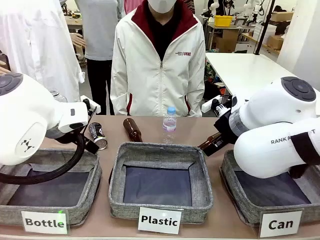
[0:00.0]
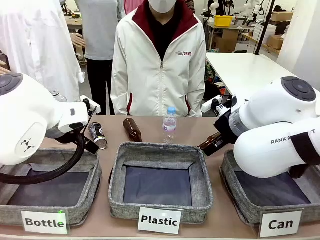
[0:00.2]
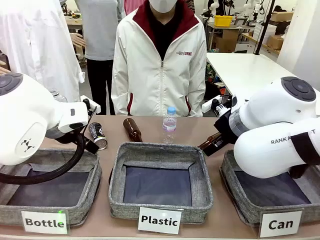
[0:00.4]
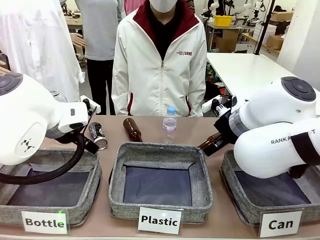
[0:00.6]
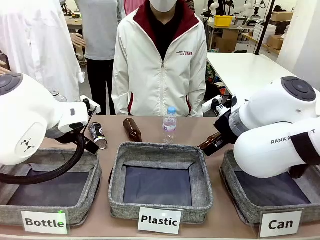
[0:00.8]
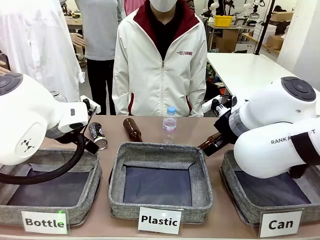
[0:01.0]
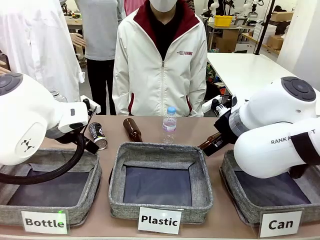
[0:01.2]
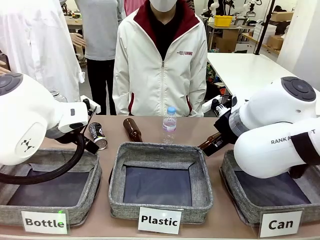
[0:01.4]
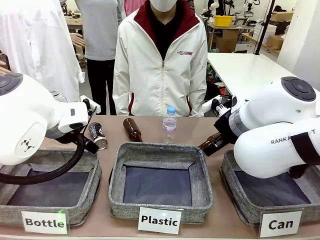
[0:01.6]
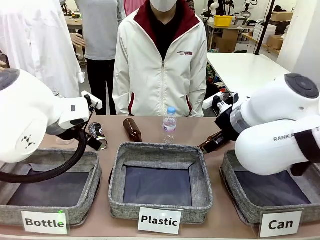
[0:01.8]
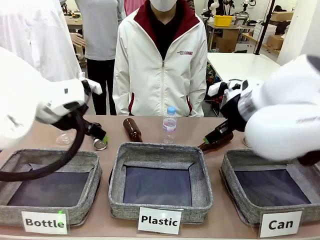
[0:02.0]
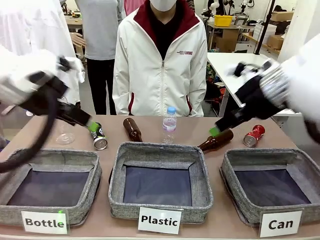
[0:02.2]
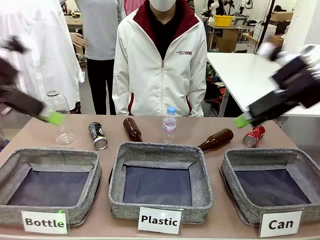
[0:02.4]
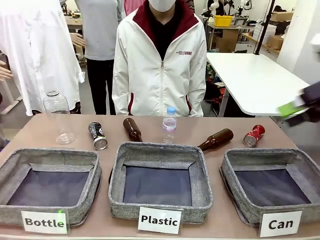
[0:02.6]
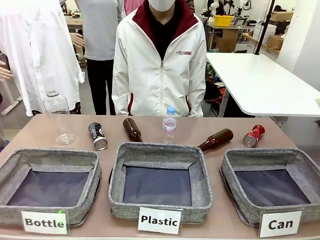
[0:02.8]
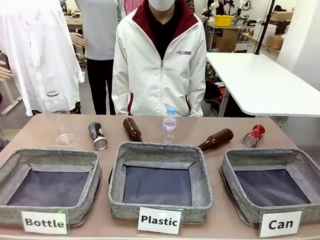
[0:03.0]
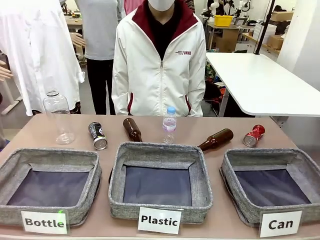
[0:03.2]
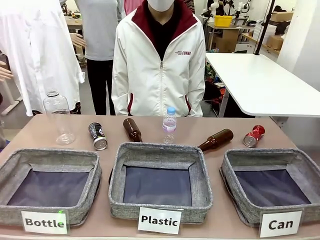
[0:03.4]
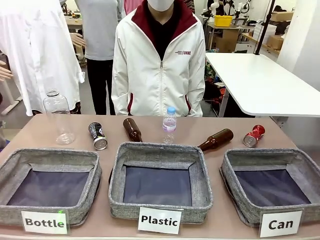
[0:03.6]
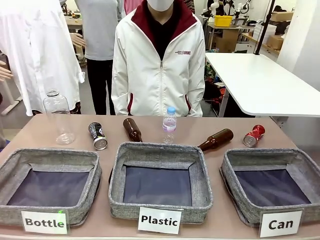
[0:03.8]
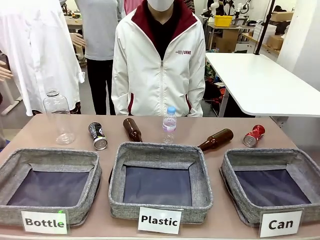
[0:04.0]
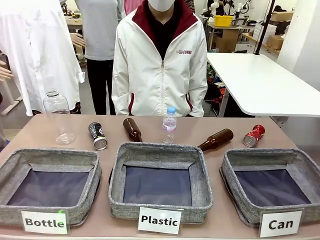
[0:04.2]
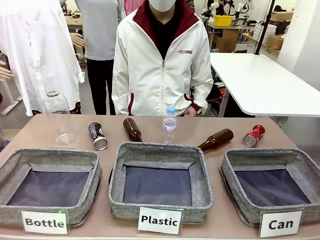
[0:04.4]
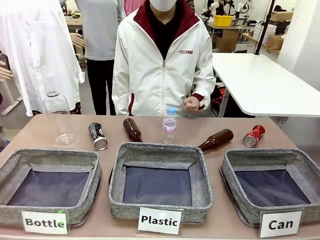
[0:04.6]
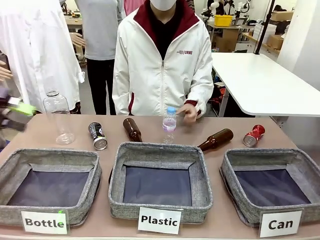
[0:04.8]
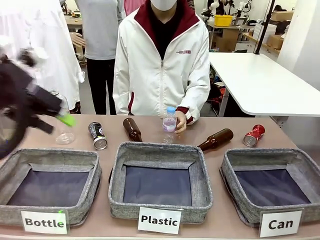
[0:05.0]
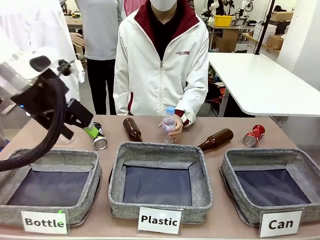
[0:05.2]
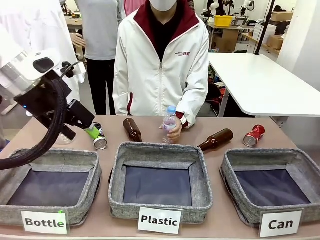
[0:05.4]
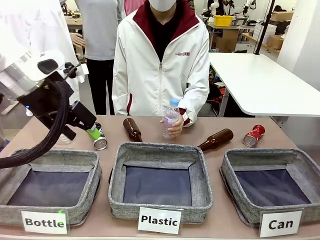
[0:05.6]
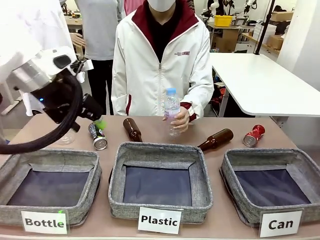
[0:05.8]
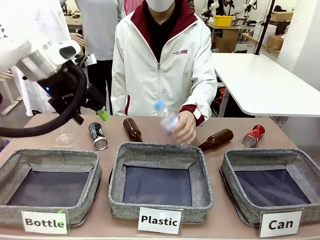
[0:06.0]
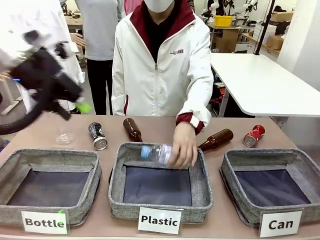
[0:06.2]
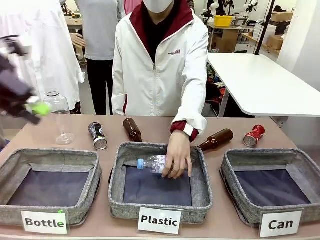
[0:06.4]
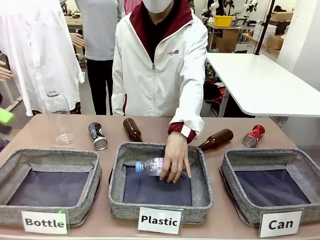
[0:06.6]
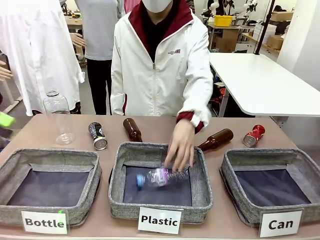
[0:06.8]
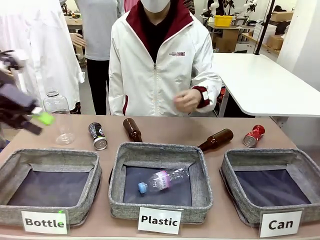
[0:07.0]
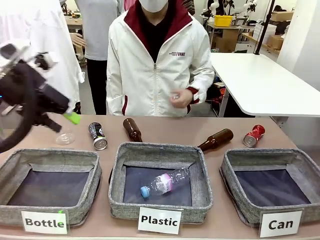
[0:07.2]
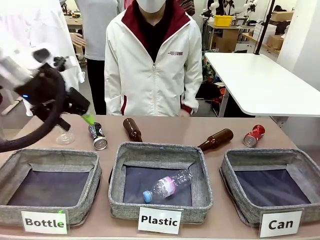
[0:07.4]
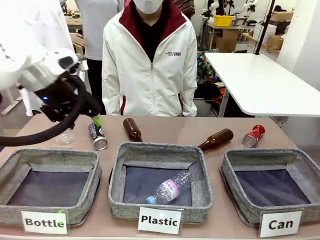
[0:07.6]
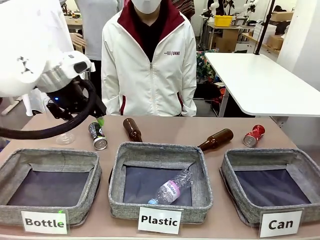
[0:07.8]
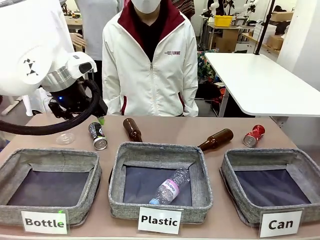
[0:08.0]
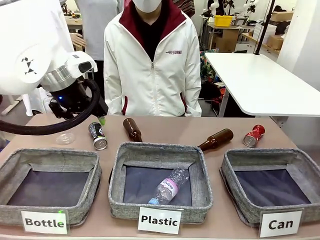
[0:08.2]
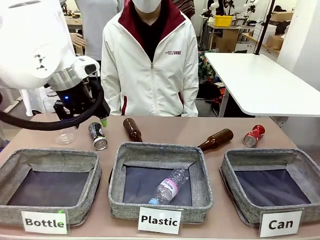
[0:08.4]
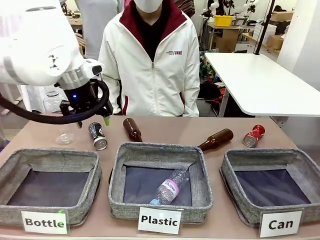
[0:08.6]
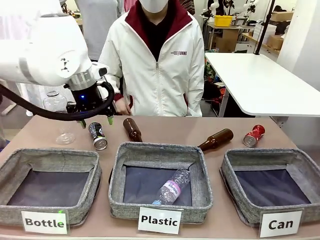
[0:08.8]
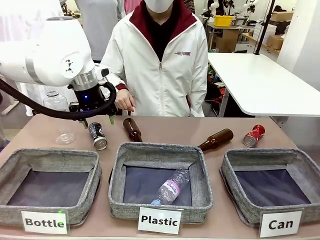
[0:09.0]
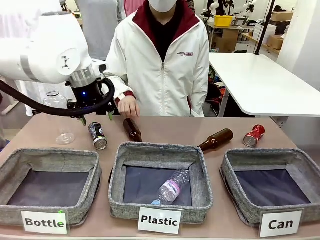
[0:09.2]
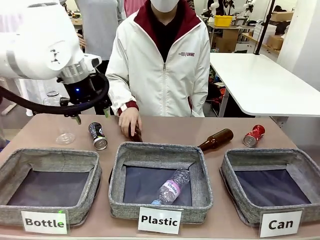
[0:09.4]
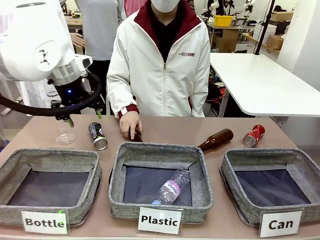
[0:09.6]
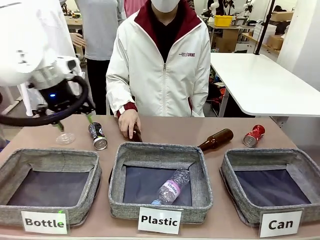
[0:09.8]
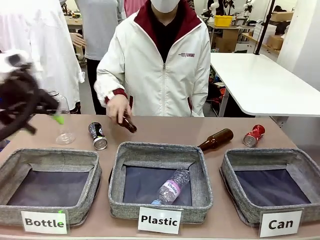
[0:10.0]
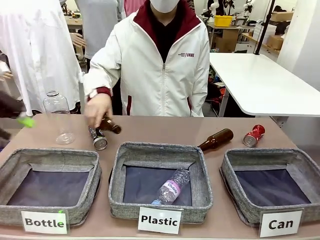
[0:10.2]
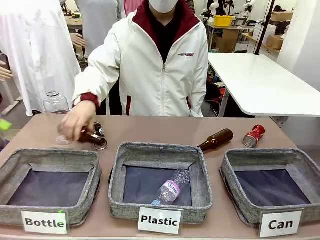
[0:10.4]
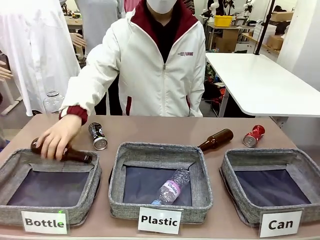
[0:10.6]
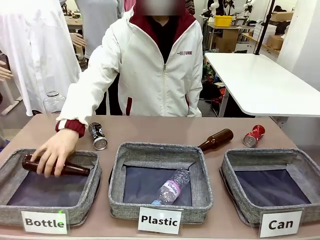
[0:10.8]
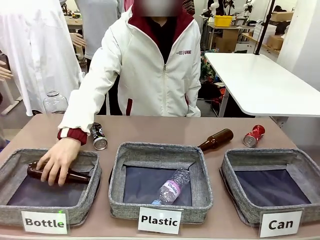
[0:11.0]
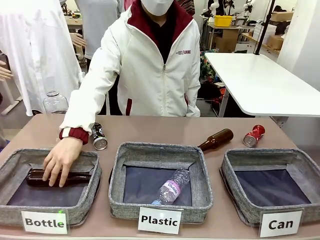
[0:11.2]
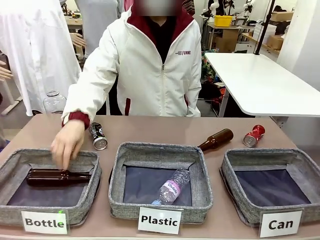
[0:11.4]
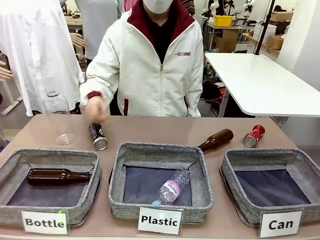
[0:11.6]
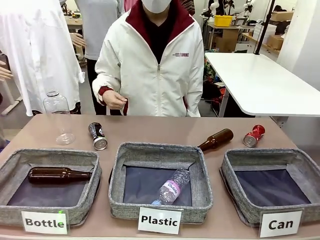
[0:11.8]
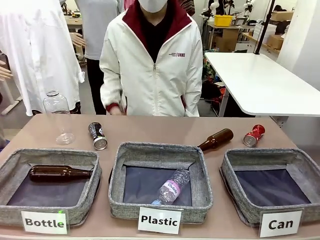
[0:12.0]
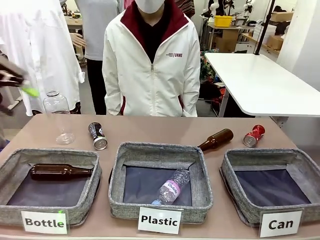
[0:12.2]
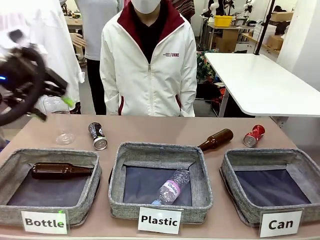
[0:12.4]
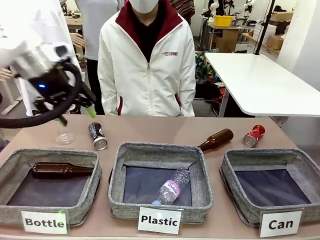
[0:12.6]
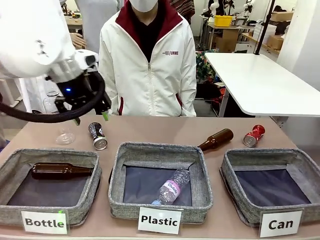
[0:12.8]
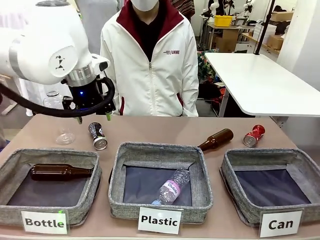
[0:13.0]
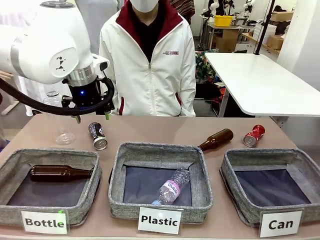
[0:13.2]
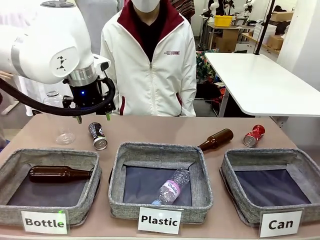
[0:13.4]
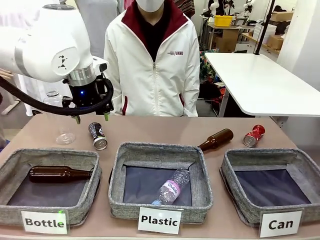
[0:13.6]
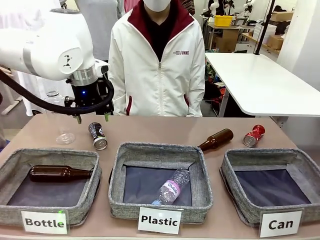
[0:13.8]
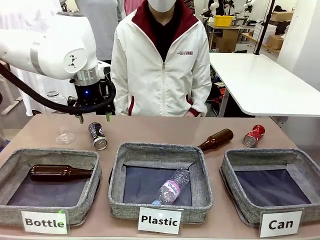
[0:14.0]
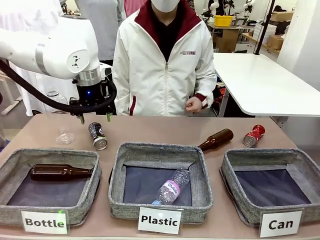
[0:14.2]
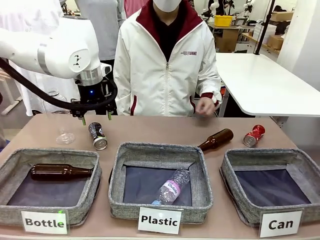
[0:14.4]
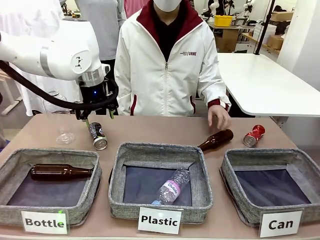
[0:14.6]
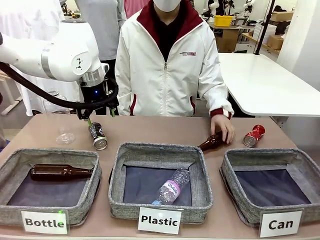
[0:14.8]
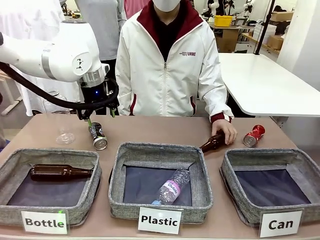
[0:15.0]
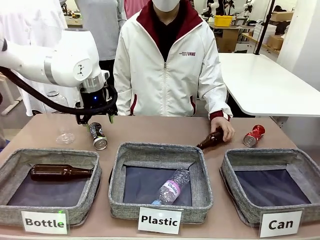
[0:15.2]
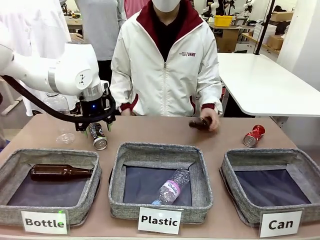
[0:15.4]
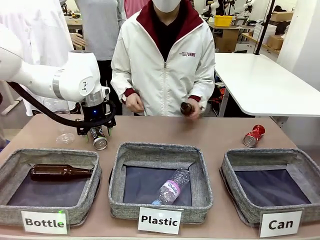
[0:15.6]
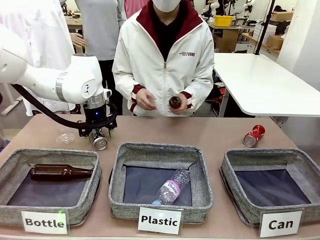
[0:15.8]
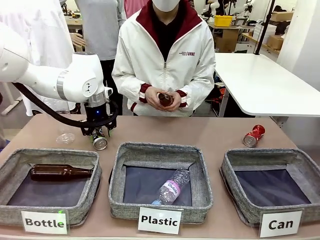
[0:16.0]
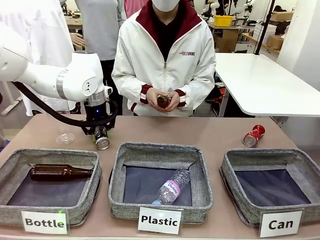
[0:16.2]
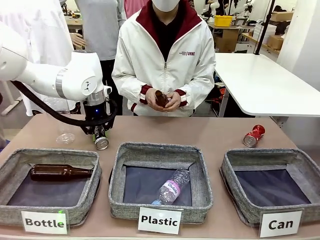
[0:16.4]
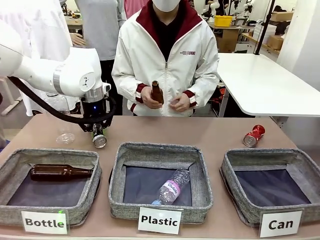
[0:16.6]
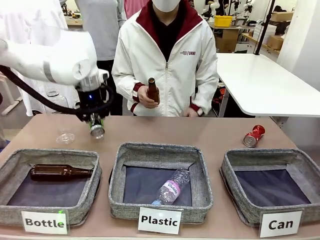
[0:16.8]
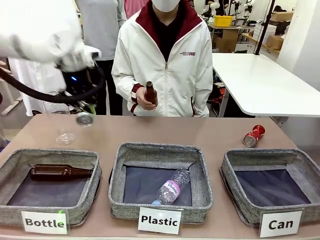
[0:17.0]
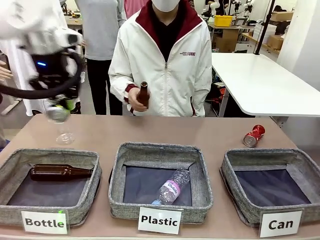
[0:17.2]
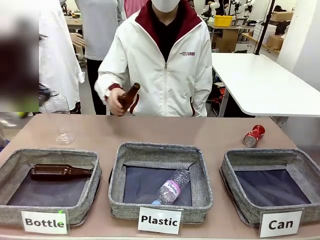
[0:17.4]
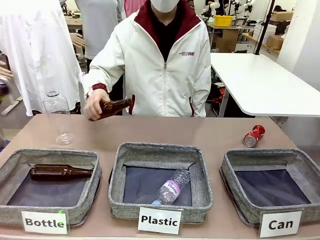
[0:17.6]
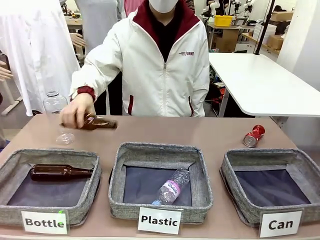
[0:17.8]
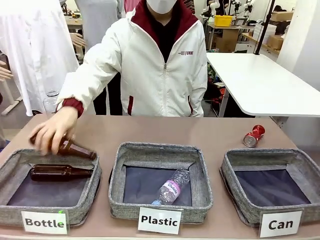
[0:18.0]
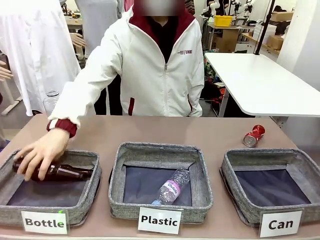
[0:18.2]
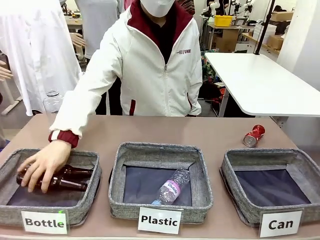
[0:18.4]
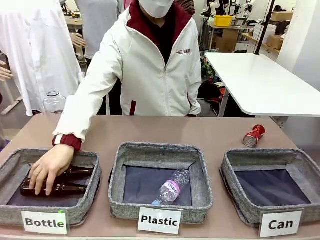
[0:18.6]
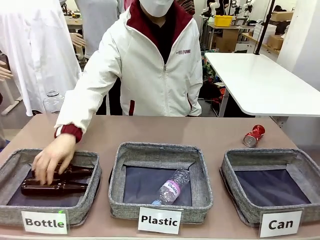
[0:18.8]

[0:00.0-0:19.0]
Task: Sort the can waste into the basket.
Robot: Pick up the can waste from the table and place it in the right Fabric basket.
